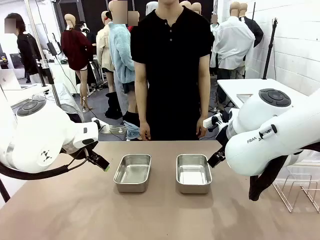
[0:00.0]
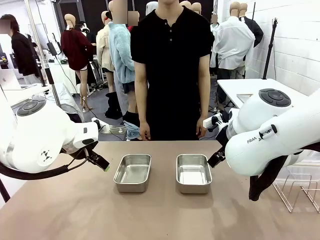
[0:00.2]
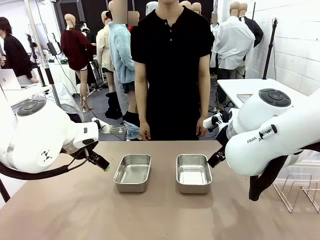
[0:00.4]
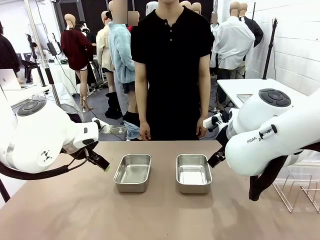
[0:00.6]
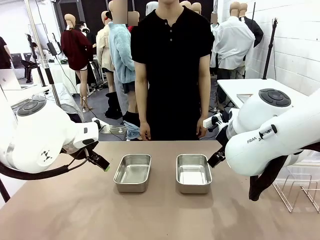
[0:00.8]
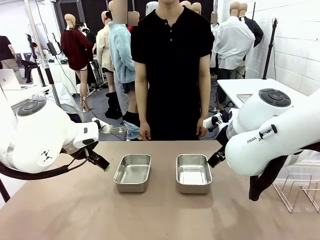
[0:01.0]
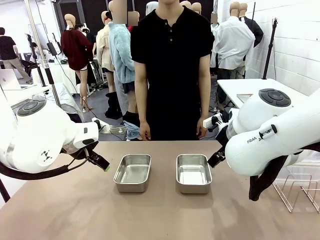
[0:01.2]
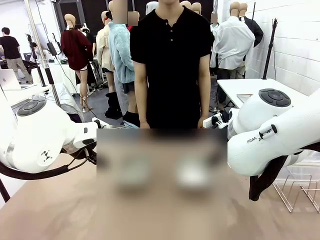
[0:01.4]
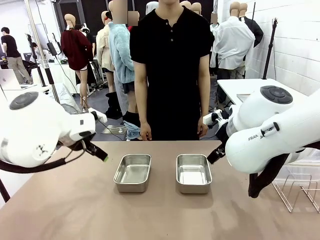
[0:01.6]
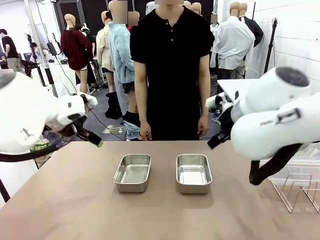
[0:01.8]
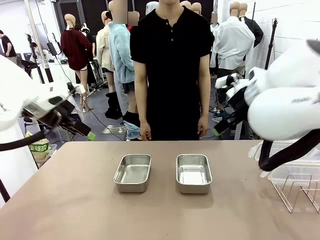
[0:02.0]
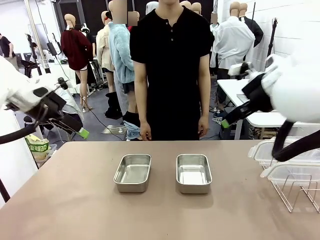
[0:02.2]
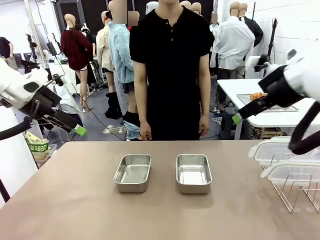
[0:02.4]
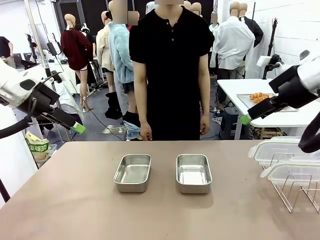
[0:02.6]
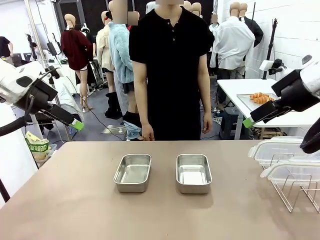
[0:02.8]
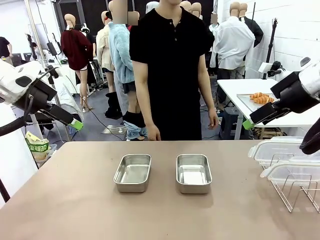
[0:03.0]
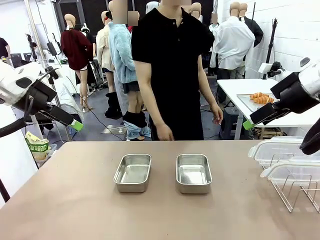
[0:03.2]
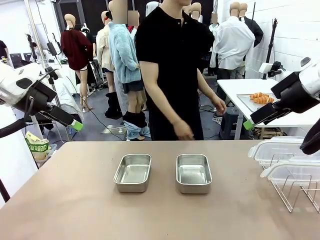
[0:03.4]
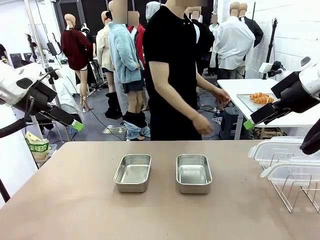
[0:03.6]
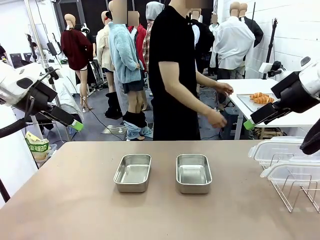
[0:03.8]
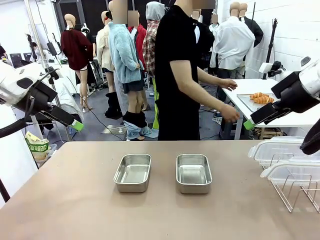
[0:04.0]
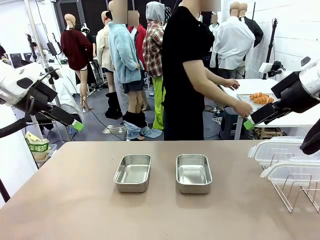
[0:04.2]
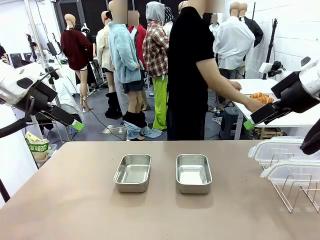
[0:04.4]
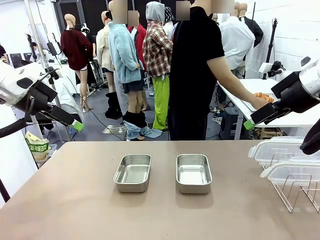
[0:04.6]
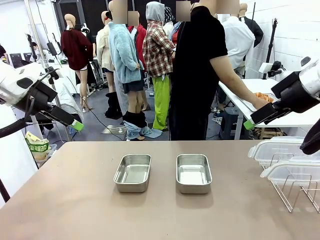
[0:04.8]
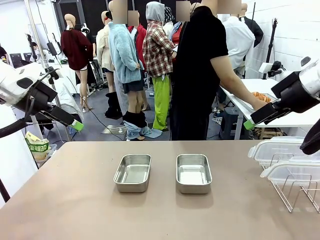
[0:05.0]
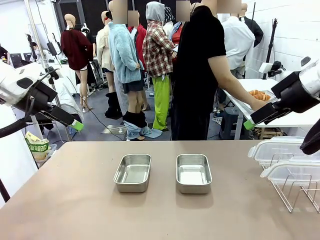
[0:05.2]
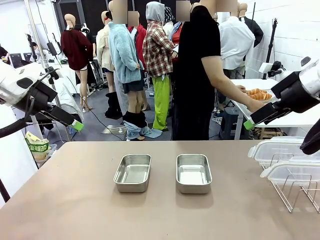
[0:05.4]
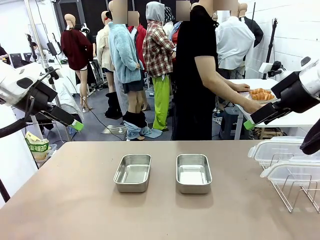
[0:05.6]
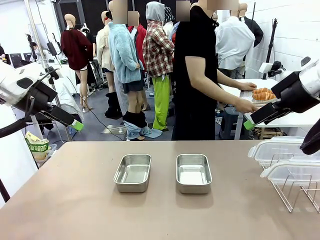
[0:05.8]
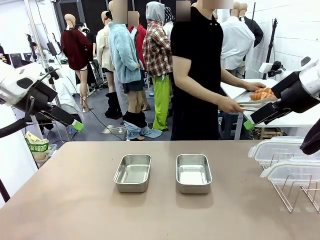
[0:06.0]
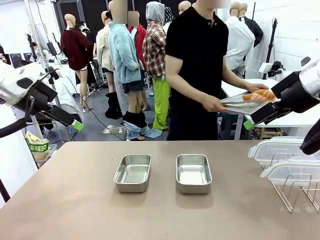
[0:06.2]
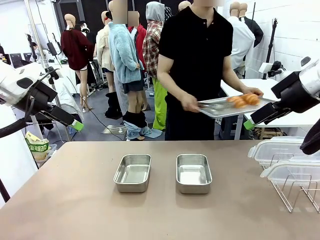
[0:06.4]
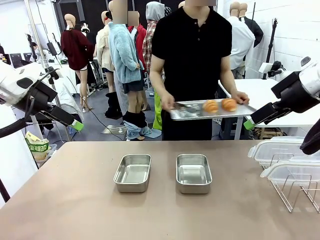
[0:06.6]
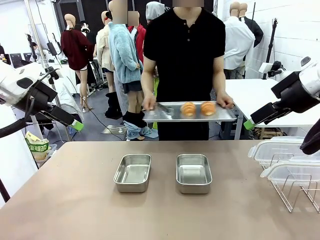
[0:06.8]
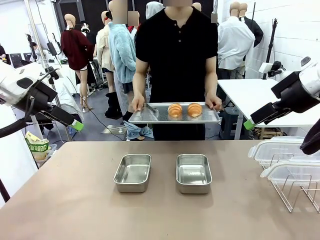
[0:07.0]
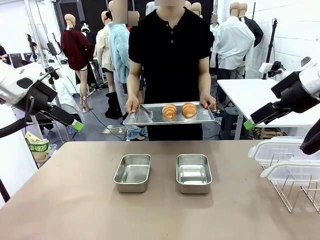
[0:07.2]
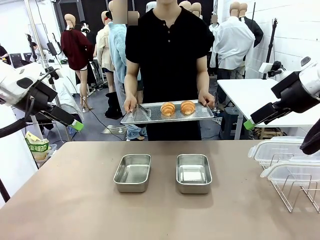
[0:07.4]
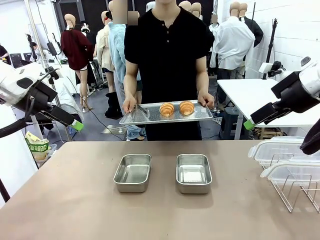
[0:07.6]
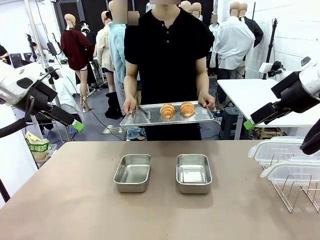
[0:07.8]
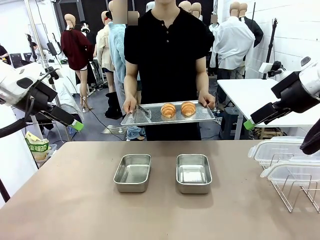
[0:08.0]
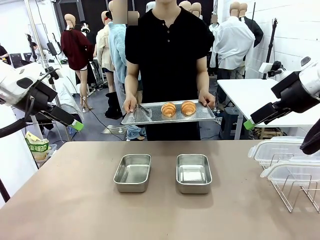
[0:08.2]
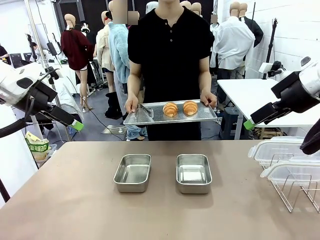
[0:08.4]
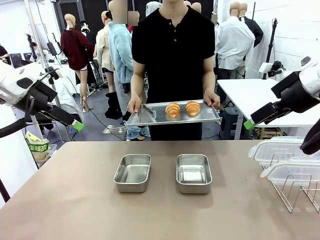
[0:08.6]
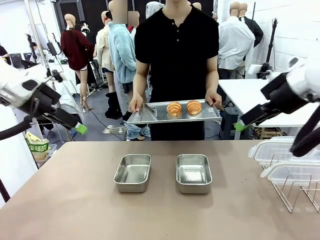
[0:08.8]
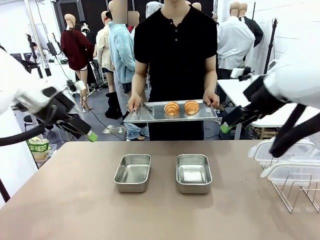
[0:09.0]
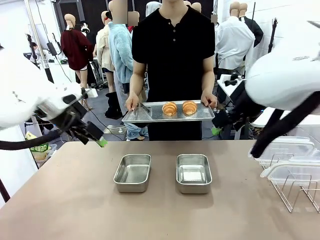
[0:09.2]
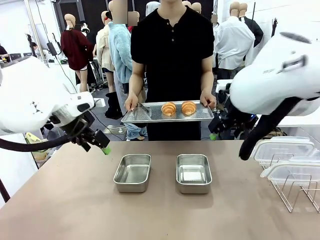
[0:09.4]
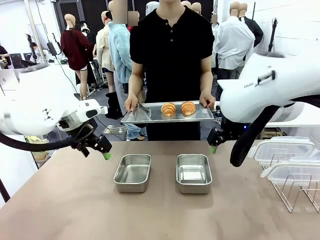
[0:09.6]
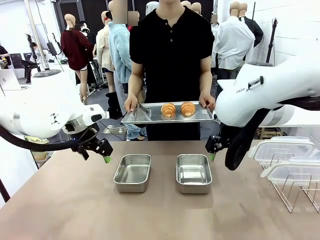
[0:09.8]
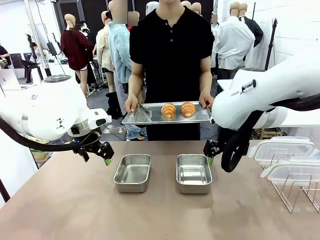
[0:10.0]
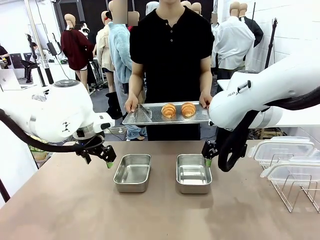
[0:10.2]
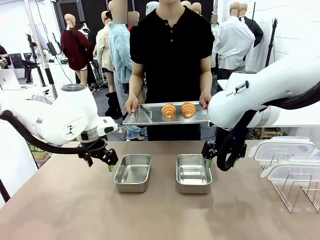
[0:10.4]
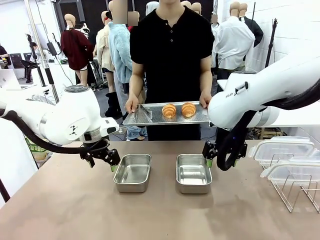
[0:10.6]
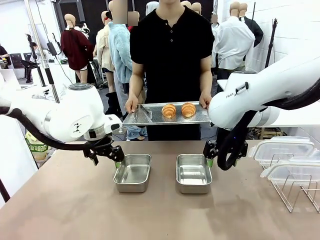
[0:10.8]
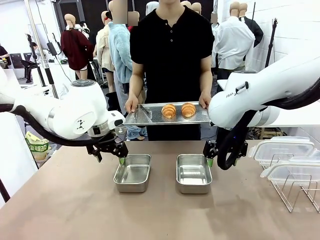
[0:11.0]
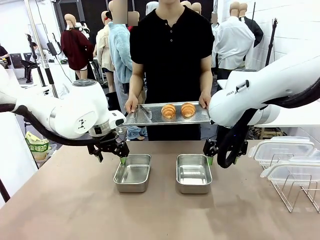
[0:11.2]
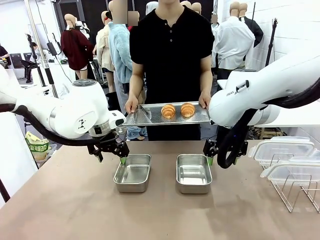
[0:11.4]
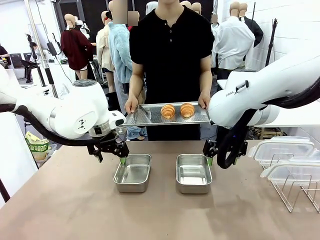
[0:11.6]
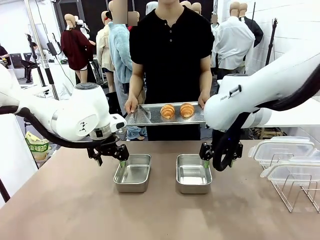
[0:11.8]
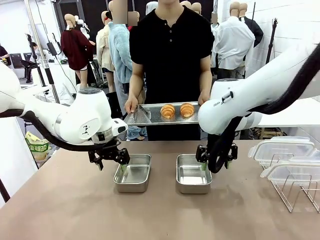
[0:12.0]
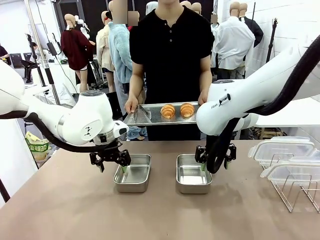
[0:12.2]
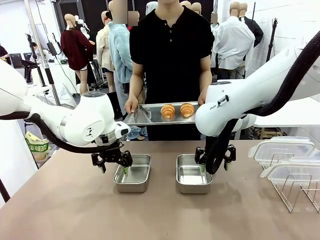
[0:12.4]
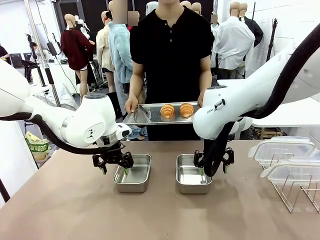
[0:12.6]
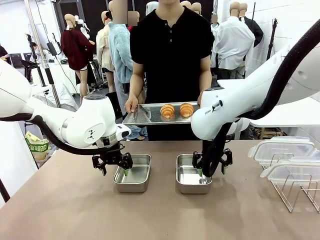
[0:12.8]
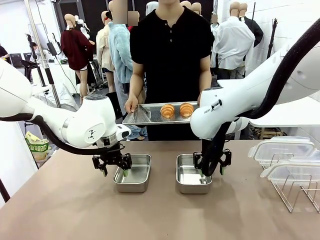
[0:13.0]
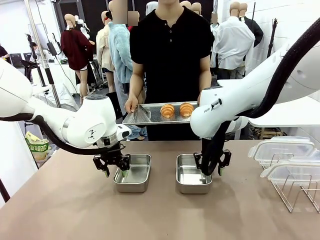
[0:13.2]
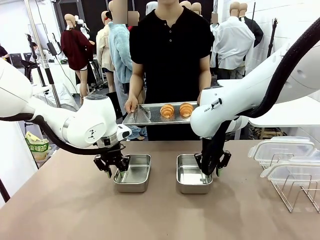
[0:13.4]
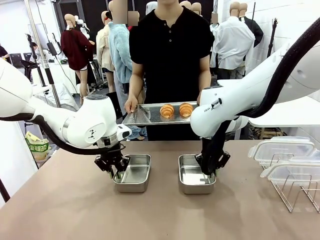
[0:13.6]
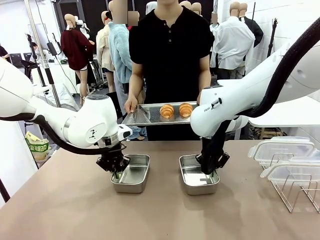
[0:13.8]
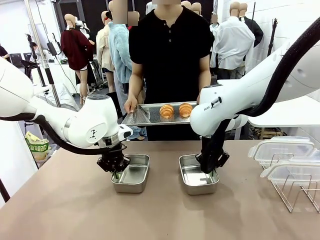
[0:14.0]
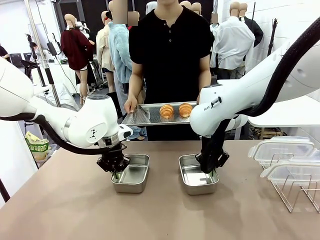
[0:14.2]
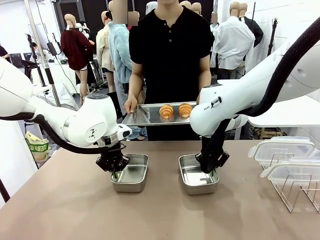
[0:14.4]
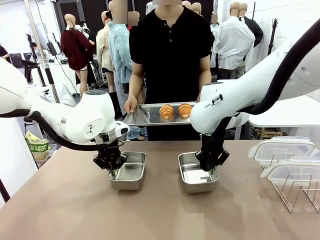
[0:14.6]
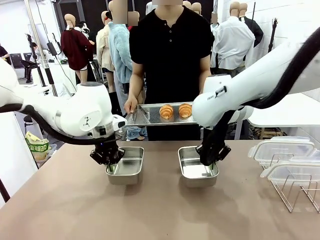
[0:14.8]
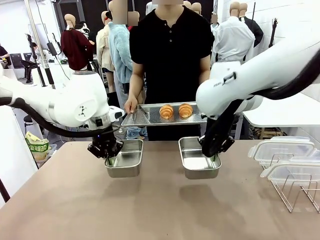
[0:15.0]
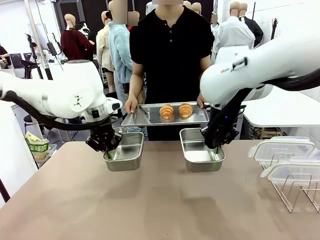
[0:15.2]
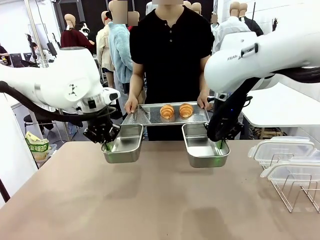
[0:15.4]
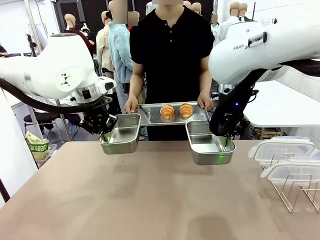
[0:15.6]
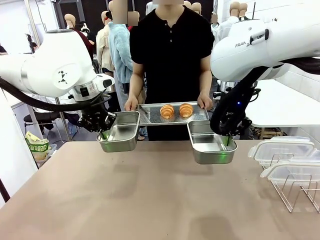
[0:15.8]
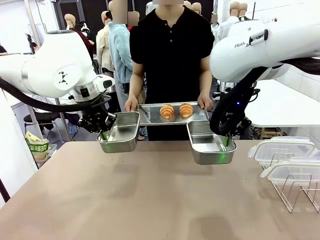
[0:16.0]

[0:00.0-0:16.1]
Task: Place the bread in airtight containers.
Robot: Lift both Airtight Container.
Person: Bring the Baking Sheet in front of Robot's Table.
